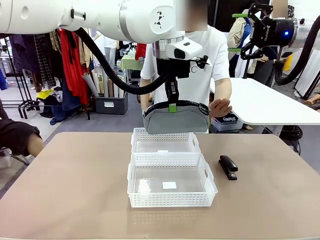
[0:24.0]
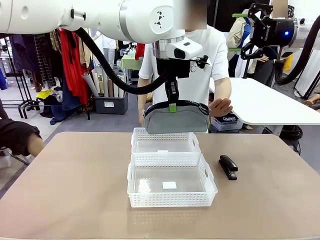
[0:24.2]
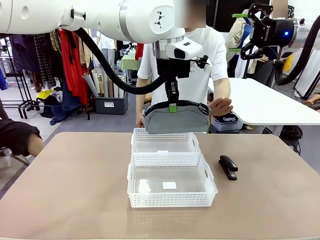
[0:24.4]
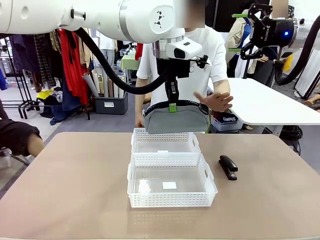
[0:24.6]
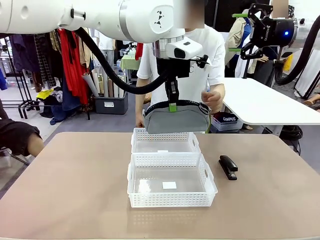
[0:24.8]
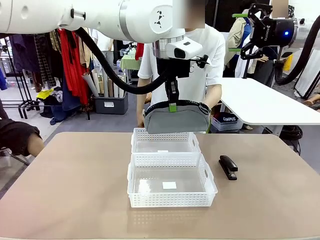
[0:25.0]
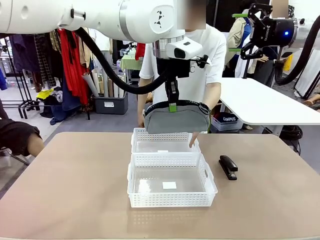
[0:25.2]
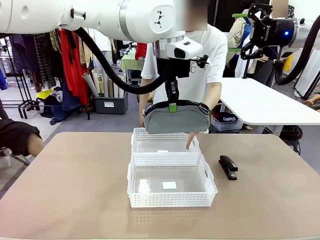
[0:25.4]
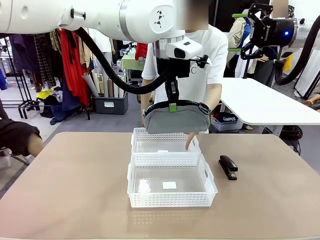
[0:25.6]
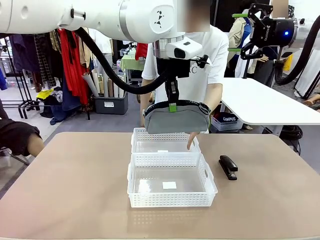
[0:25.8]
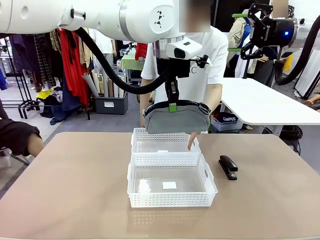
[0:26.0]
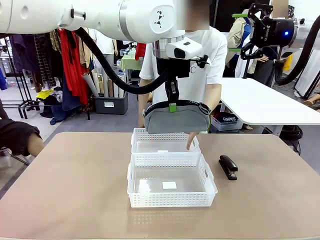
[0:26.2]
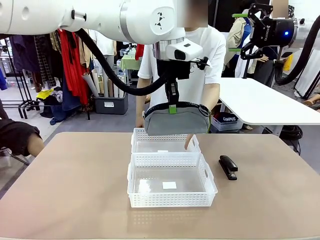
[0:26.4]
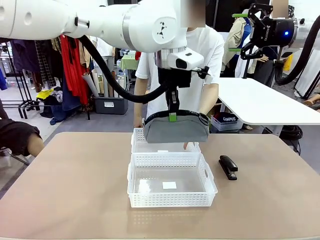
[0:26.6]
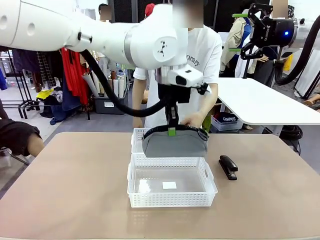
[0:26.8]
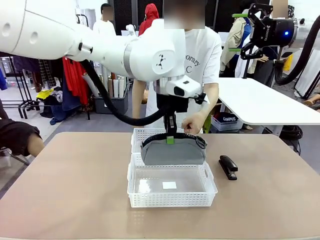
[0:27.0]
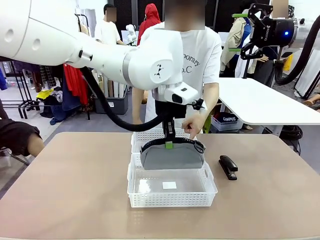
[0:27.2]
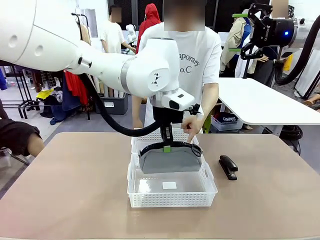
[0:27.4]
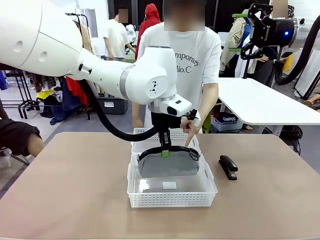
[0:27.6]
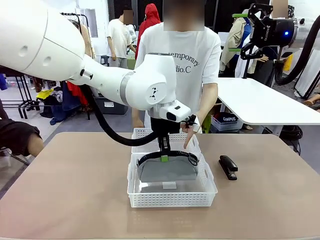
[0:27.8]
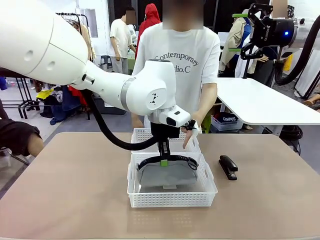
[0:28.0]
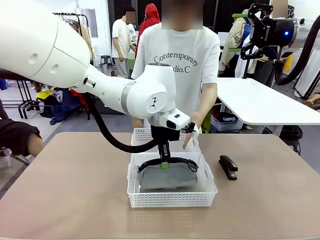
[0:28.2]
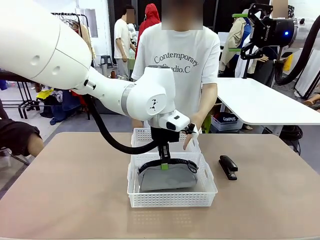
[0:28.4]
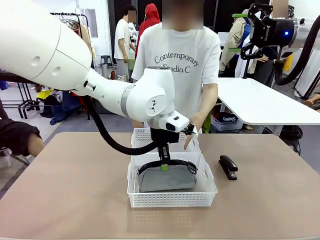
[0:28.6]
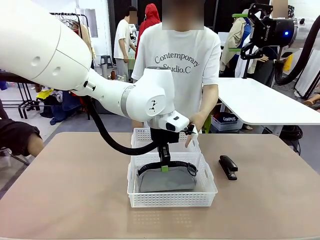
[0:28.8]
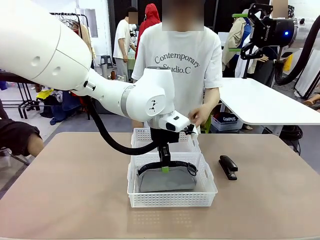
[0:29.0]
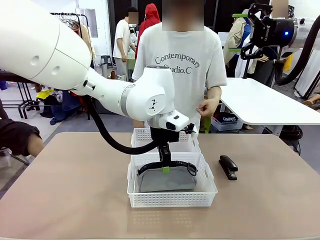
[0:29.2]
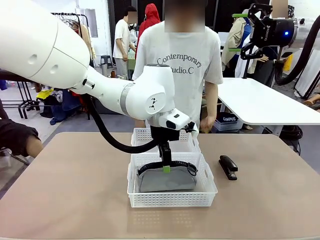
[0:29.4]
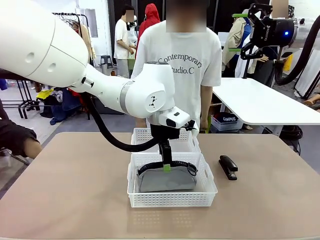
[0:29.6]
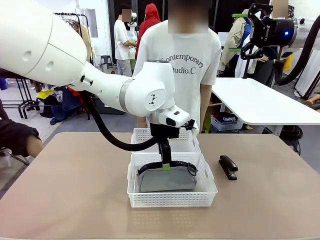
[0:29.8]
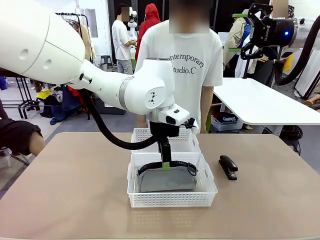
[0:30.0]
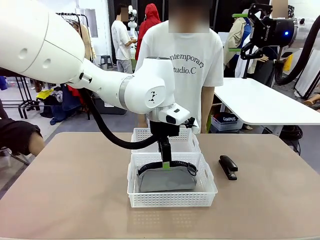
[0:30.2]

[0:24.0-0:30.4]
Task: Distribute items into two baskets.
Robot: Place the picked Pencil pouch into the Organizing basket as instructed by the person.
Person: Instructs the robot to place the pencil case into the opposite basket.

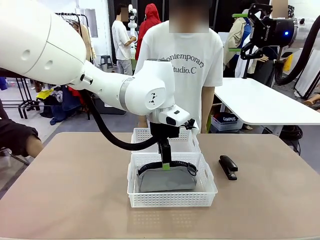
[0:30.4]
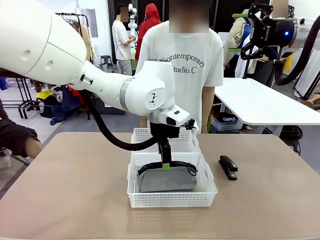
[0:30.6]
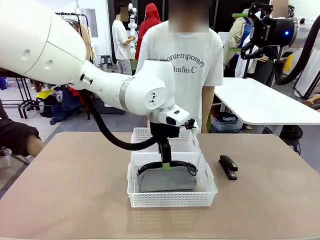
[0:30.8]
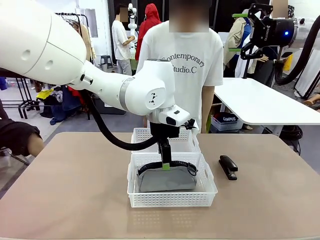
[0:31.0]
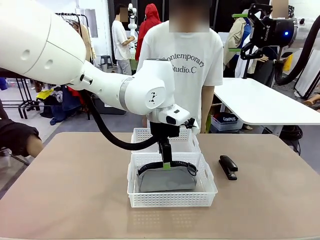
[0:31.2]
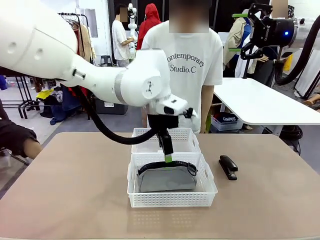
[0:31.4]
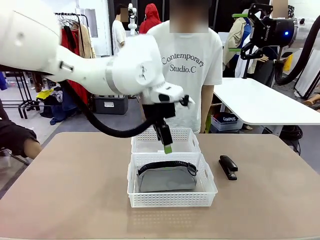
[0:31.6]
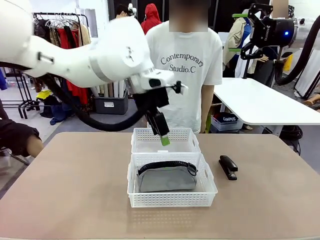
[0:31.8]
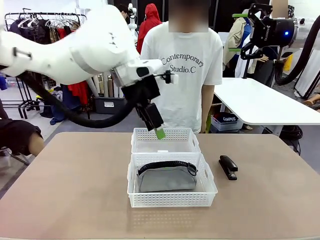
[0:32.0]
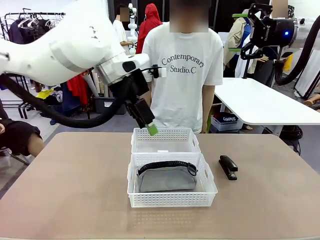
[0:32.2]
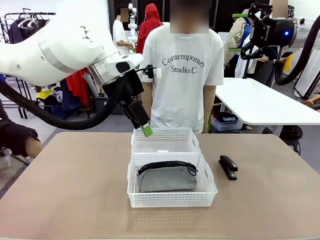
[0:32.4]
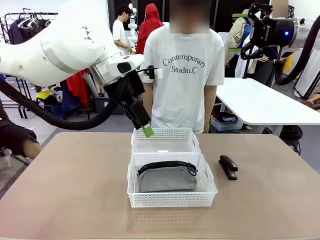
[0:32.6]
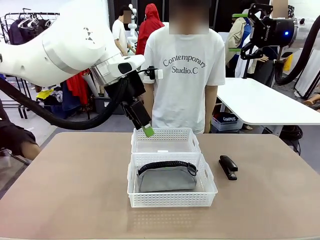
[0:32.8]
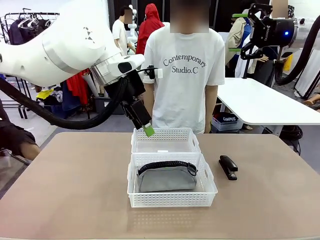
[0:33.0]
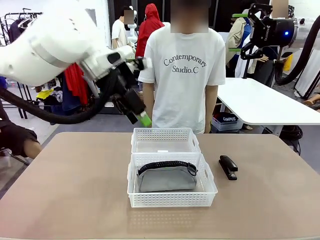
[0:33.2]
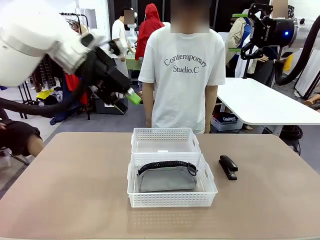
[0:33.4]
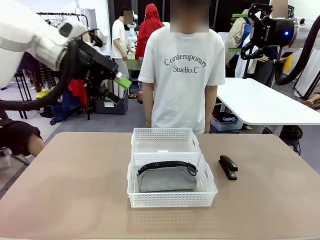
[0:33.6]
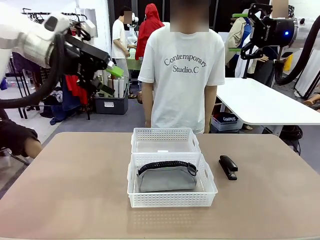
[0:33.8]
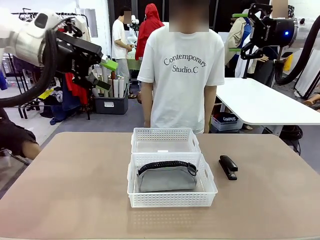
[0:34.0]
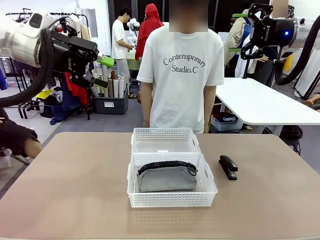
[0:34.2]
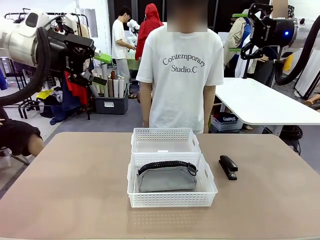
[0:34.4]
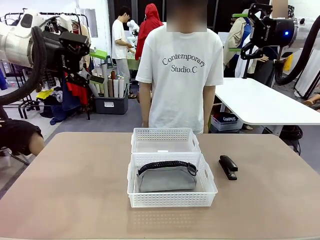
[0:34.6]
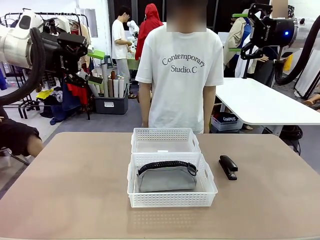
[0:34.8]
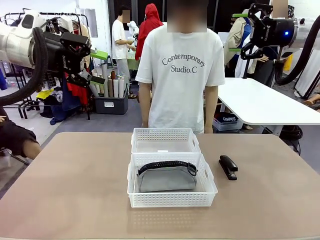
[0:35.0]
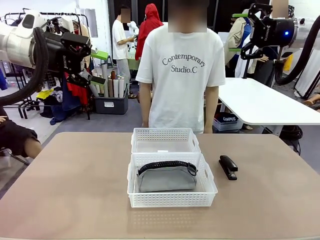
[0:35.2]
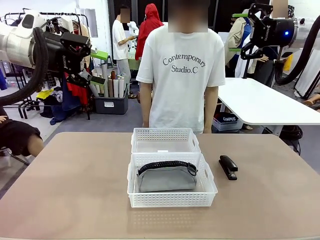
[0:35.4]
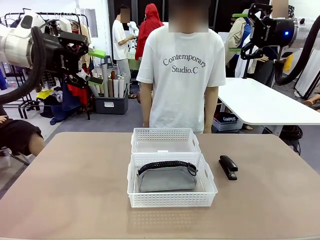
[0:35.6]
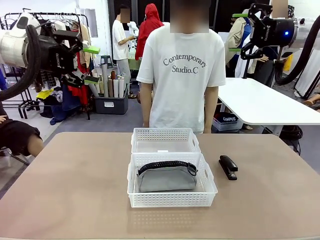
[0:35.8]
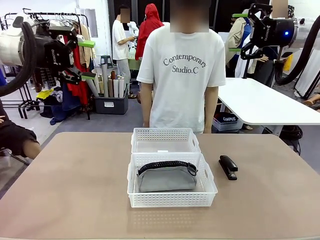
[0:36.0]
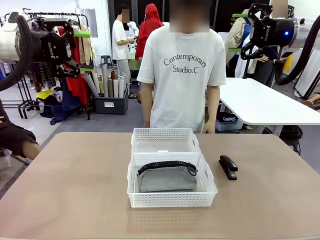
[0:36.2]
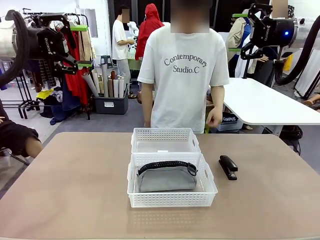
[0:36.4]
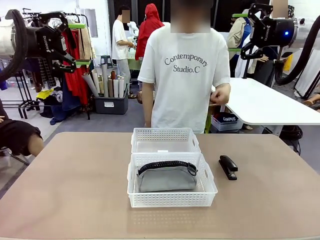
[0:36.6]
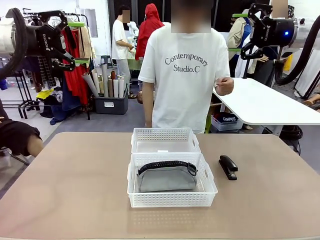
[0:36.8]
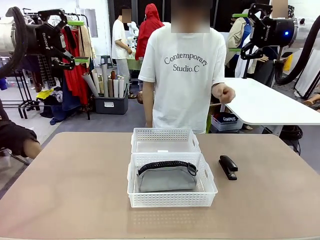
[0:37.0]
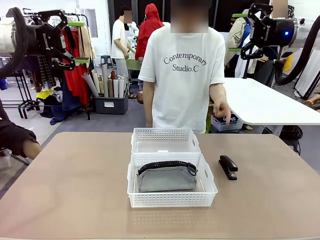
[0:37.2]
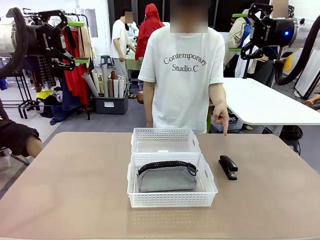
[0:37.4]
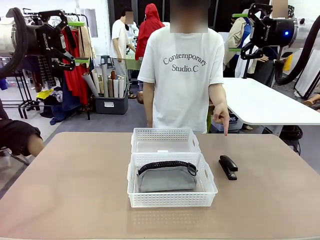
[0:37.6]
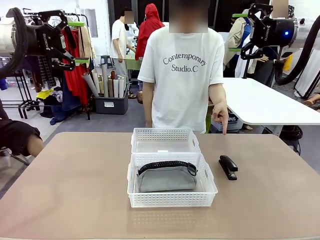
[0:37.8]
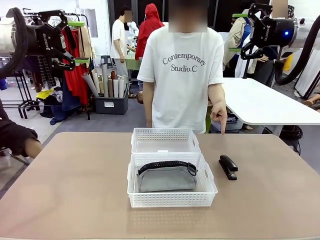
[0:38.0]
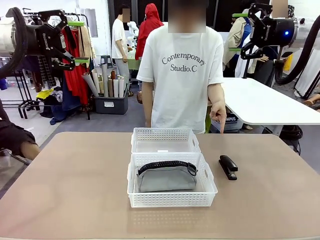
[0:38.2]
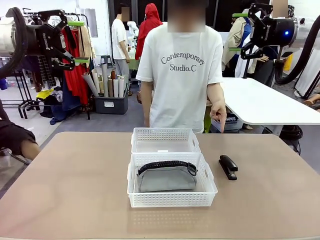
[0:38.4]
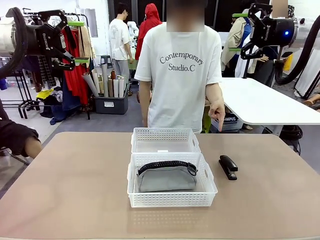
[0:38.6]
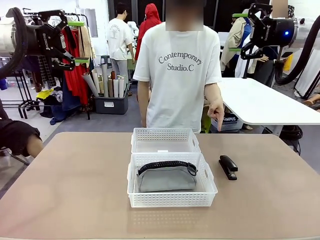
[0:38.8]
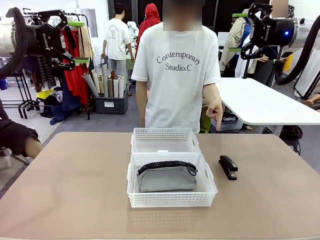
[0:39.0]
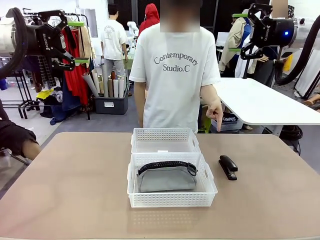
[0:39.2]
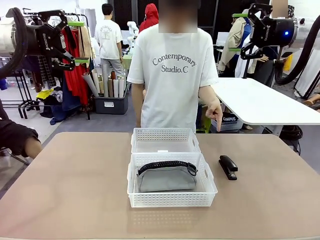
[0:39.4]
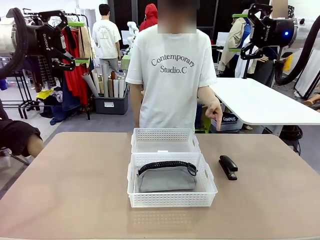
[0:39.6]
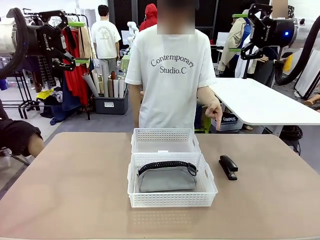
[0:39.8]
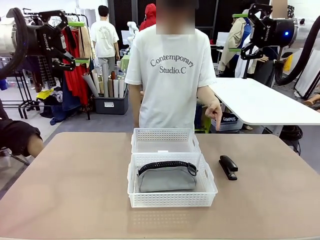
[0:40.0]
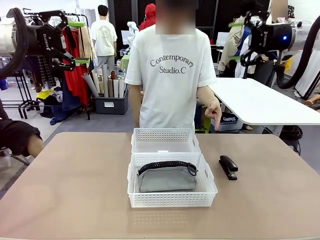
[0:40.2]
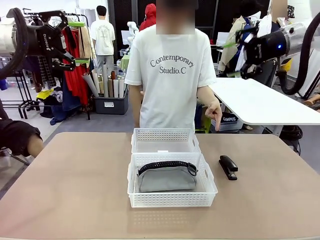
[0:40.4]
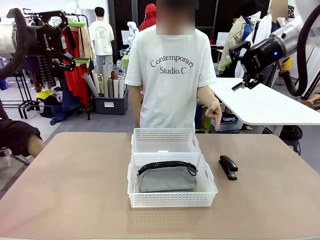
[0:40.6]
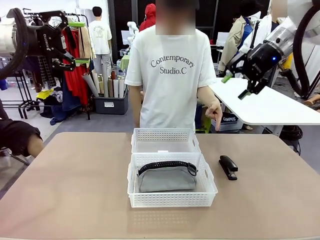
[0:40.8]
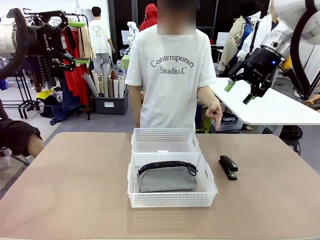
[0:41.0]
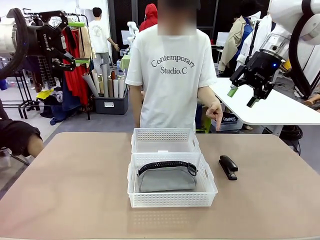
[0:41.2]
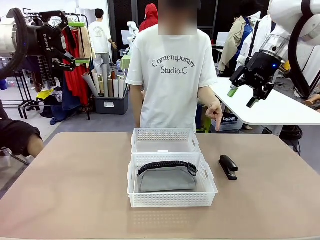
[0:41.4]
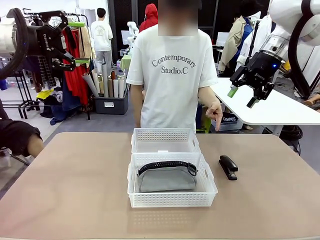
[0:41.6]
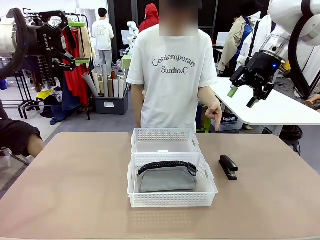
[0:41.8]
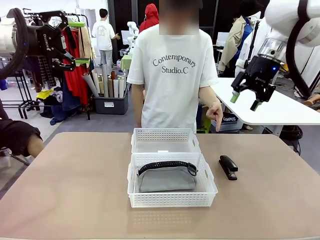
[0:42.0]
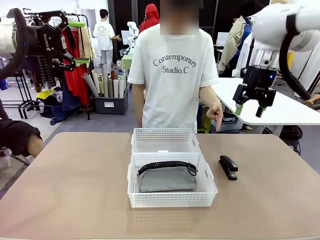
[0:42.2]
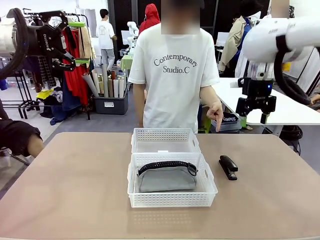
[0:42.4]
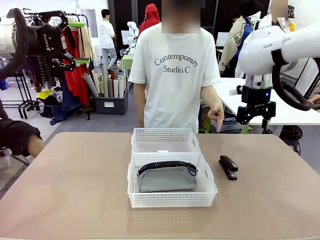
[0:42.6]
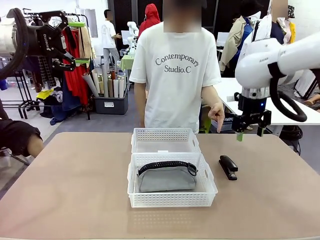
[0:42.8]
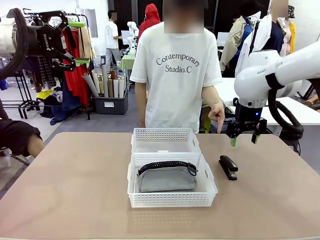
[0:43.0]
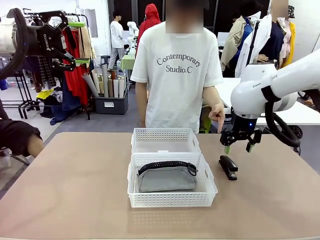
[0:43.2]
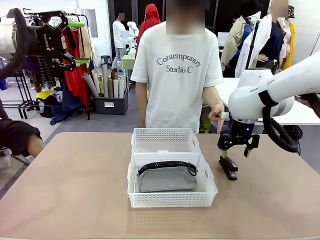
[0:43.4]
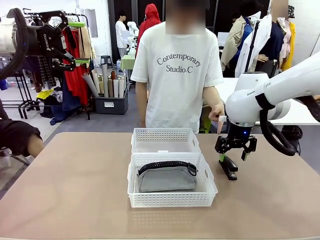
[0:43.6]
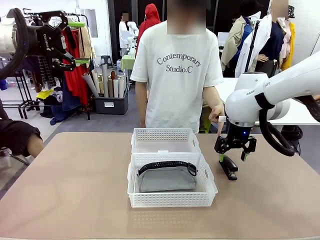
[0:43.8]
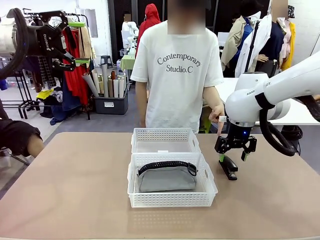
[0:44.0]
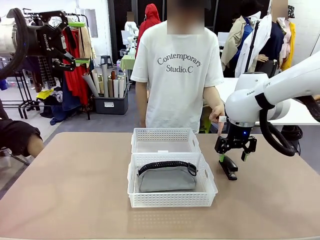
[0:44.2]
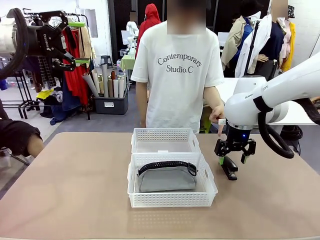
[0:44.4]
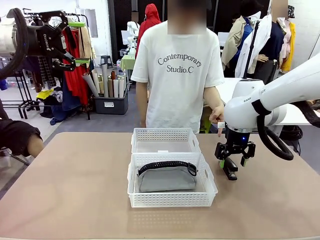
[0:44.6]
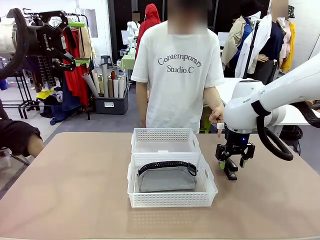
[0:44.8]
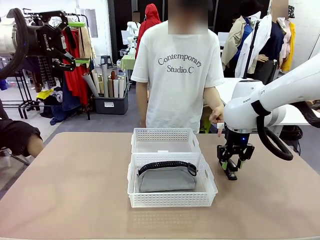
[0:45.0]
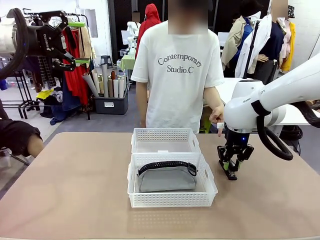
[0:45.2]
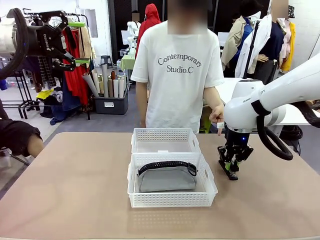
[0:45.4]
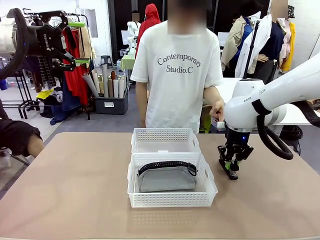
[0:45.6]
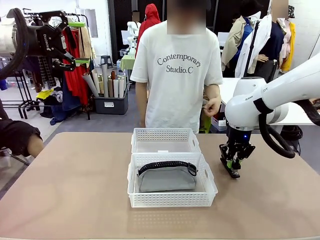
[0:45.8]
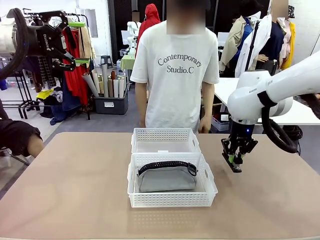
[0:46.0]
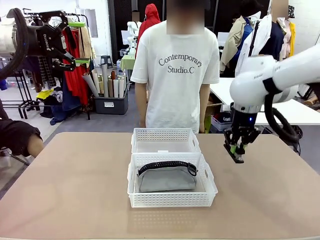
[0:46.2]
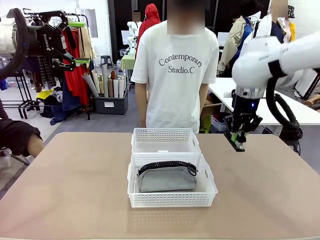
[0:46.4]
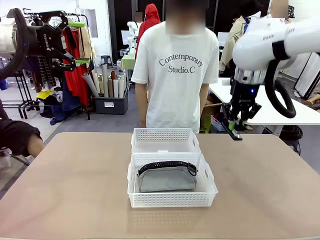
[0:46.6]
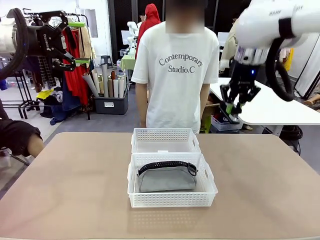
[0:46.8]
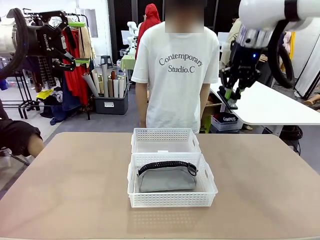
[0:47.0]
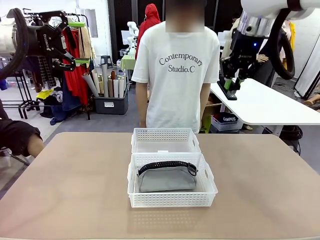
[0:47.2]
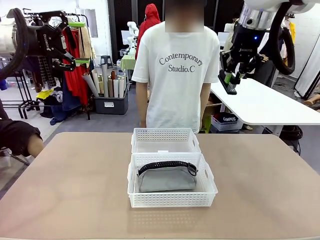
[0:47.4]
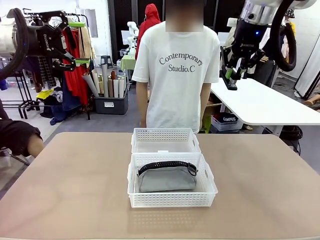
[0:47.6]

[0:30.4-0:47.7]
Robot: Pick up the Stapler that the person points to.
Person: Points to the stapler.
